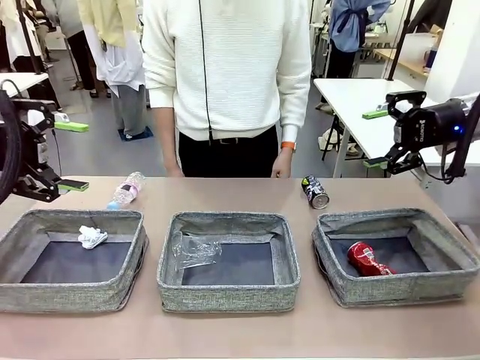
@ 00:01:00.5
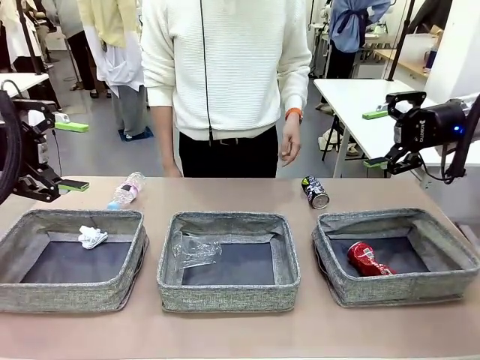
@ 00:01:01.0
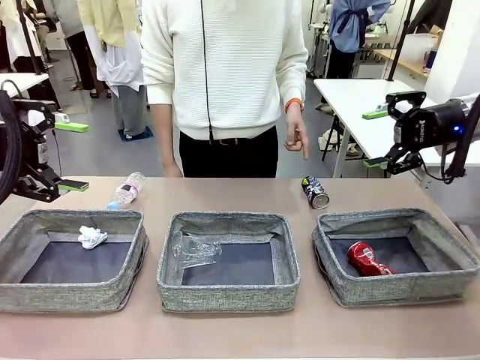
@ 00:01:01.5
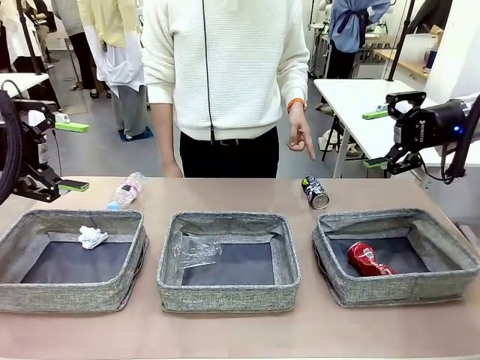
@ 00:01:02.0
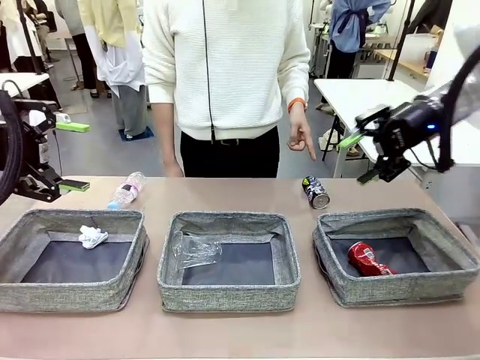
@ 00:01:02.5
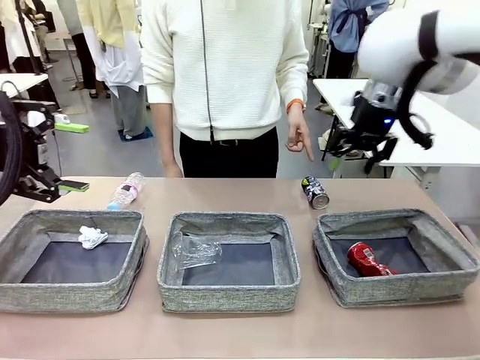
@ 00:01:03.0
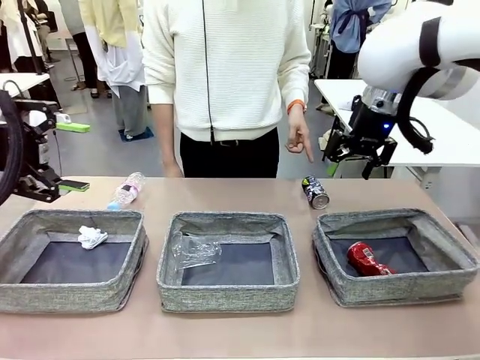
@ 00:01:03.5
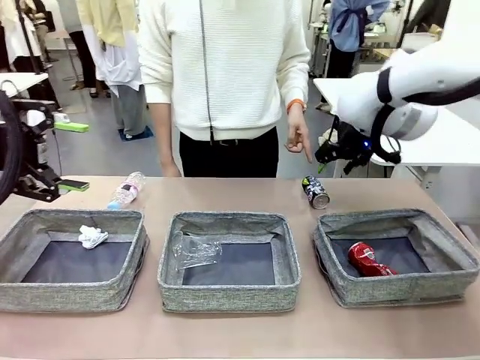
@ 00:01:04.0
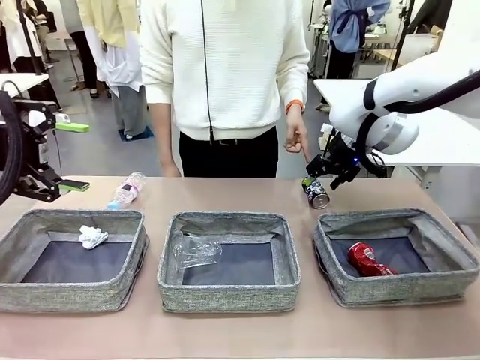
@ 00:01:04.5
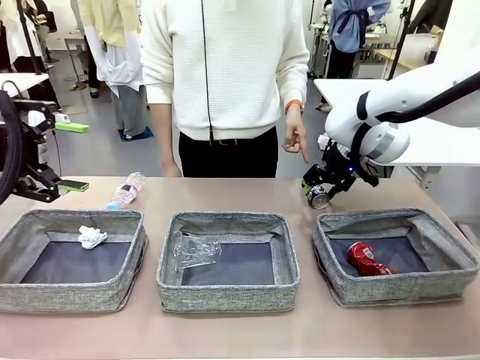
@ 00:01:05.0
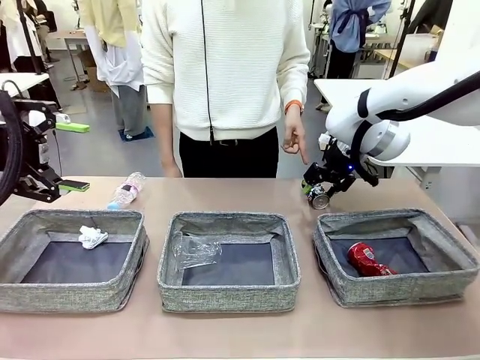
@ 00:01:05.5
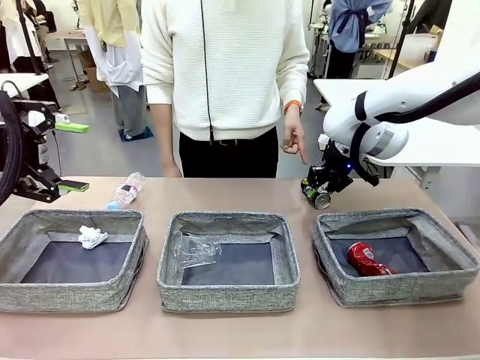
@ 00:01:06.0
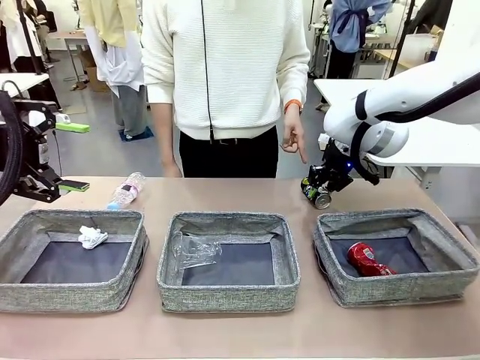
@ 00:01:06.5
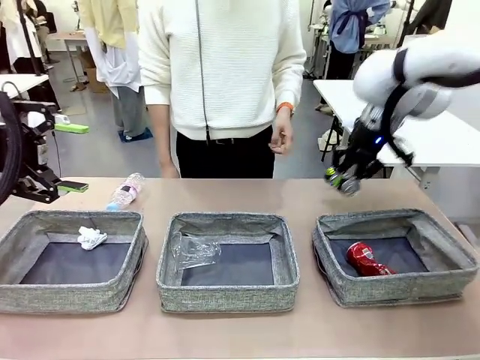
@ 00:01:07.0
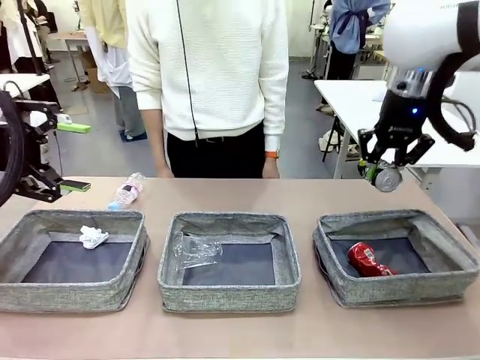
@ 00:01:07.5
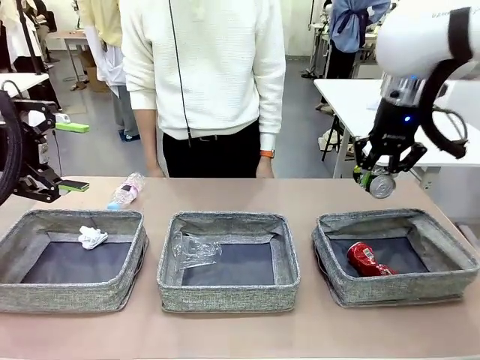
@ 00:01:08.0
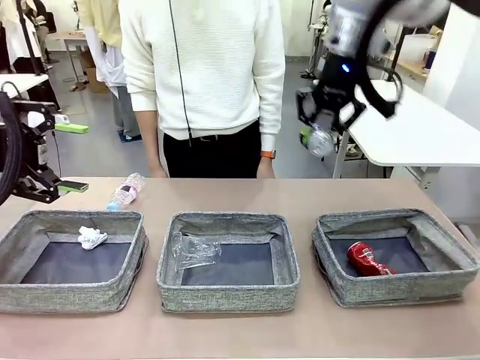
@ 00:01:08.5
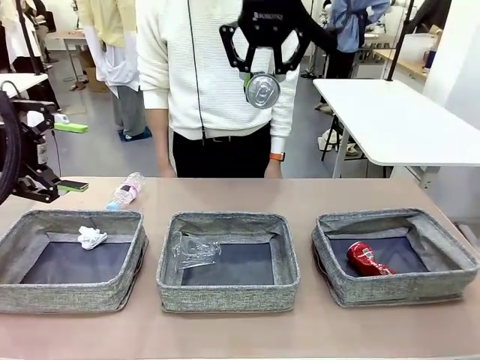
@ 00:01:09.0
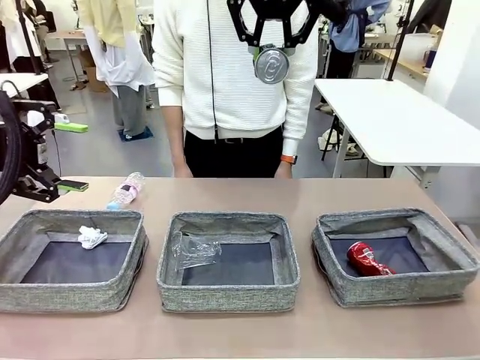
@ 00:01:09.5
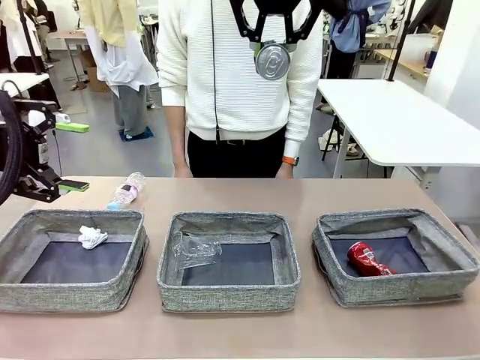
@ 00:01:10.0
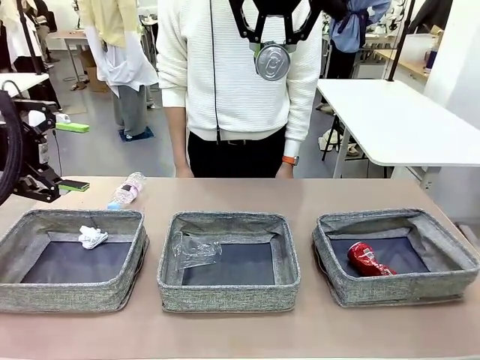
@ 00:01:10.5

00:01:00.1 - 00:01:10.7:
Task: Sort the waste into the appropriate baskets.
Robot: Pick up the waste item pointed out by the person.
Person: Points to one piece of trash on the table.

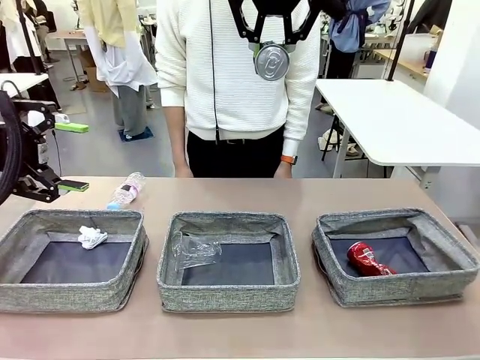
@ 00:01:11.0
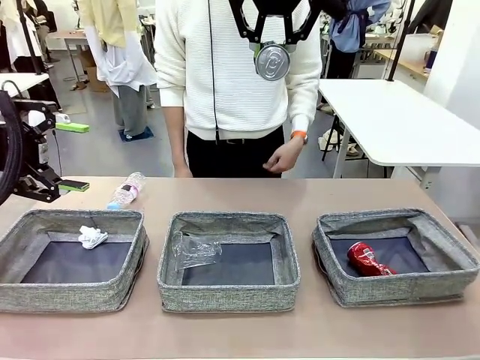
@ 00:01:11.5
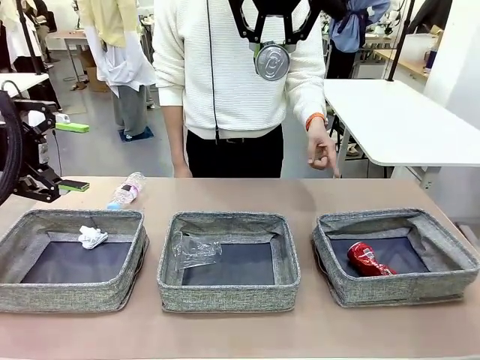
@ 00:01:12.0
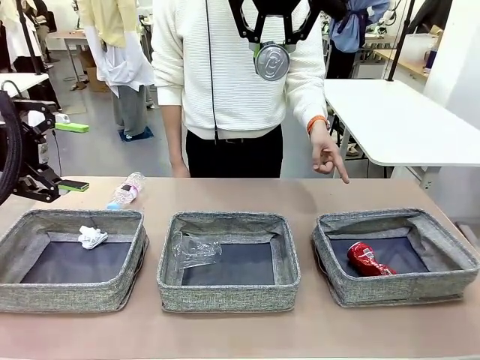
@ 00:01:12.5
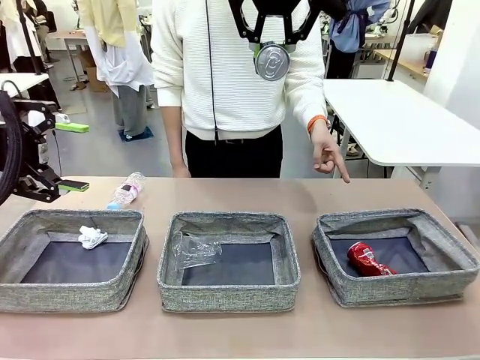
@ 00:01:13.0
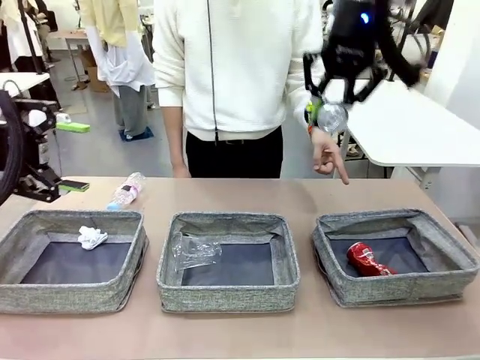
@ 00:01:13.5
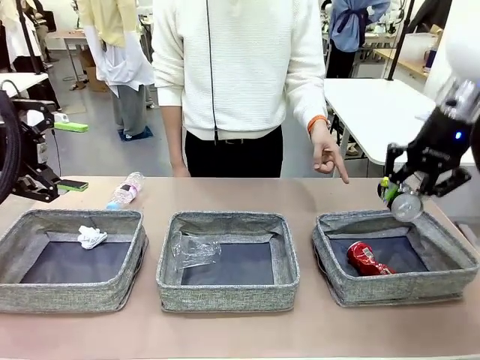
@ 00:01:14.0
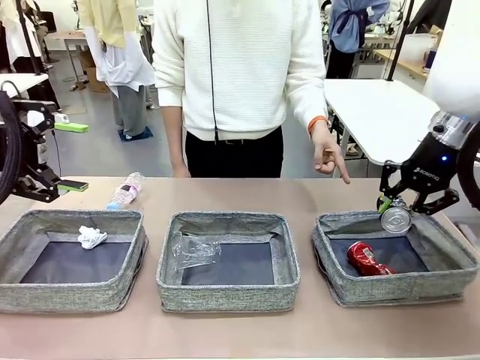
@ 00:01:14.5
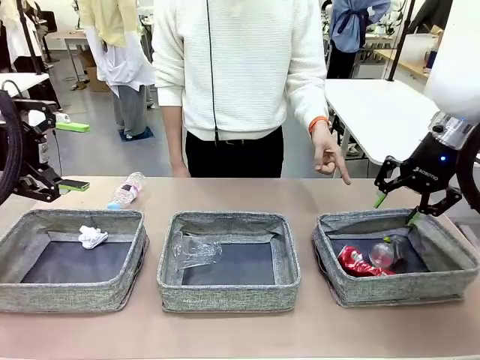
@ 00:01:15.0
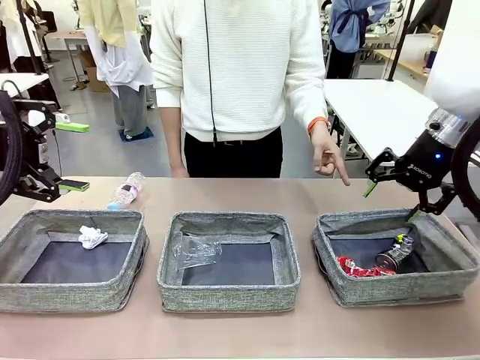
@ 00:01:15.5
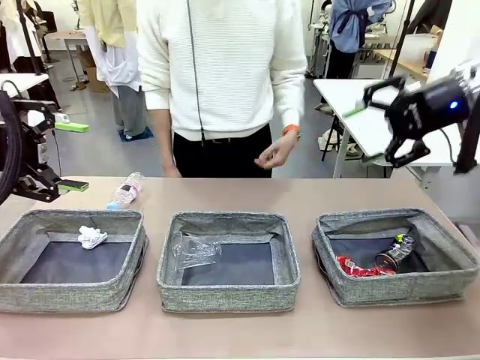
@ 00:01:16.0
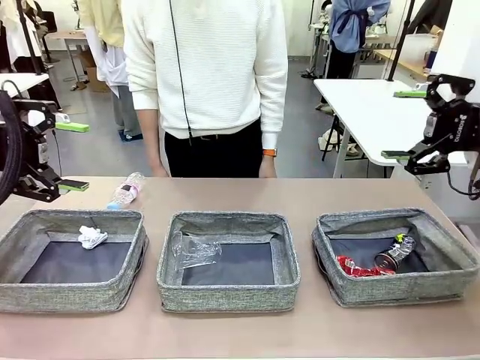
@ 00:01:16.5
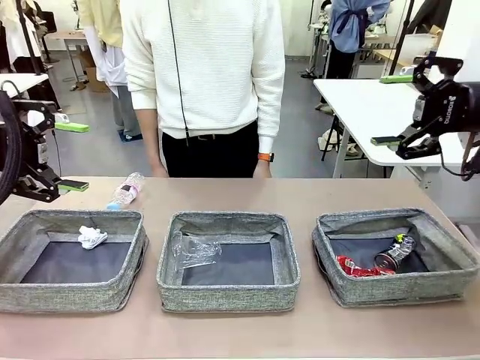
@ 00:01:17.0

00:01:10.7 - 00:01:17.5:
Robot: Place the picked waste into the Fabric basket indicated by the person.
Person: Instructs the robot to place the picked-up trash into the appropriate organizing basket.

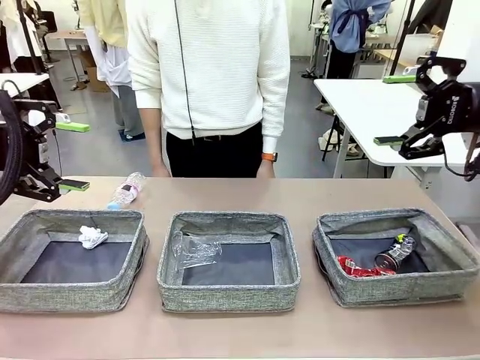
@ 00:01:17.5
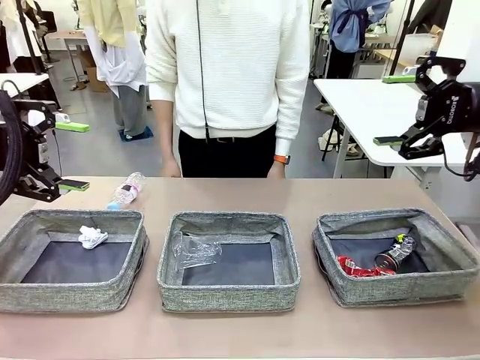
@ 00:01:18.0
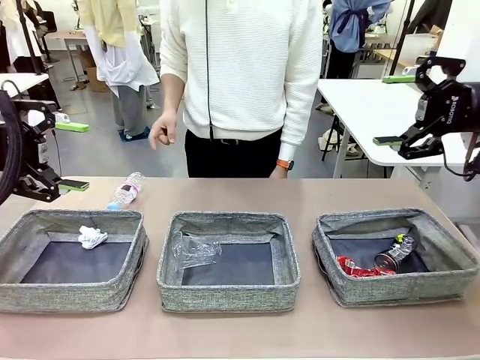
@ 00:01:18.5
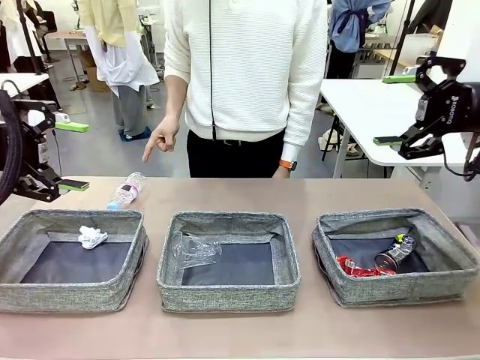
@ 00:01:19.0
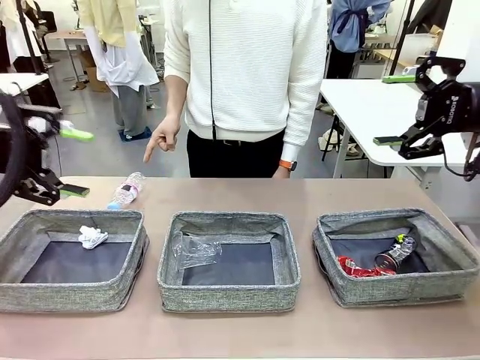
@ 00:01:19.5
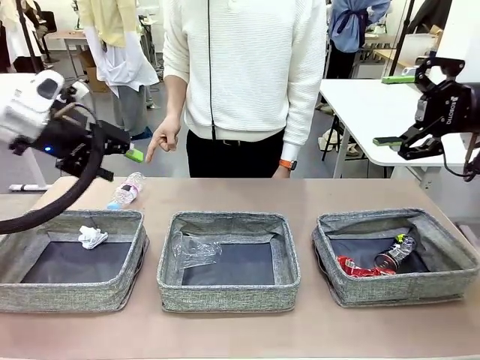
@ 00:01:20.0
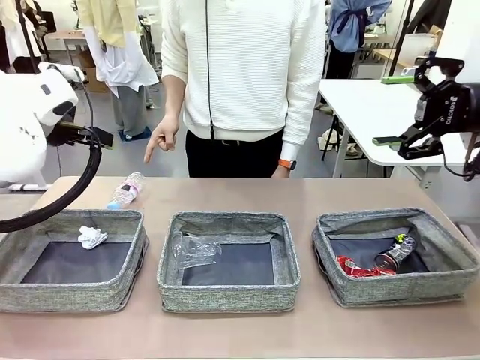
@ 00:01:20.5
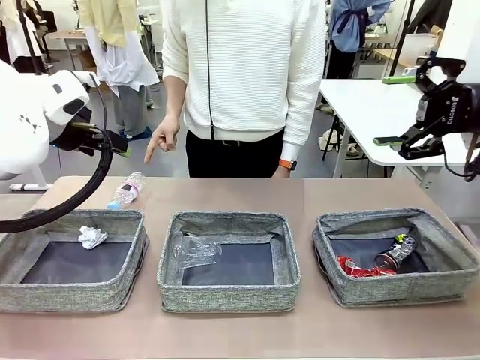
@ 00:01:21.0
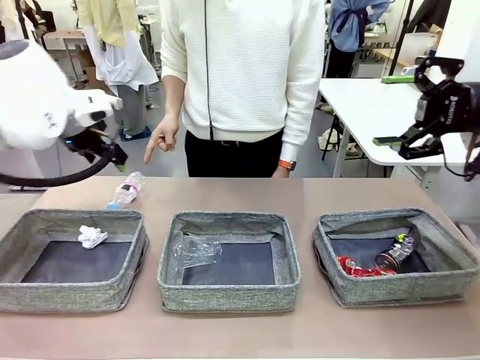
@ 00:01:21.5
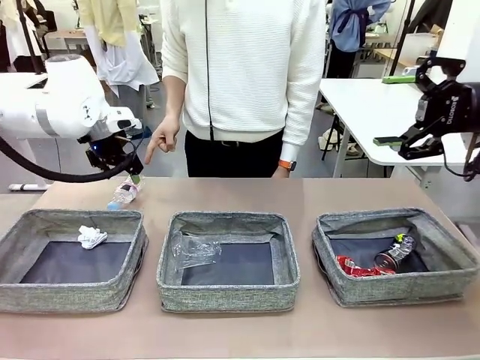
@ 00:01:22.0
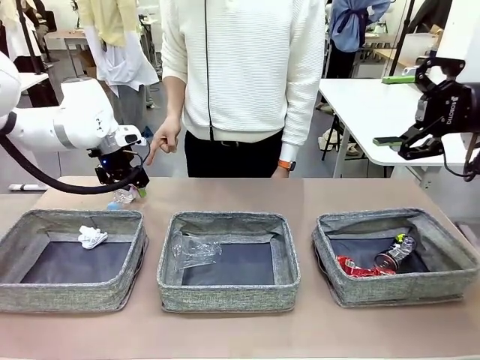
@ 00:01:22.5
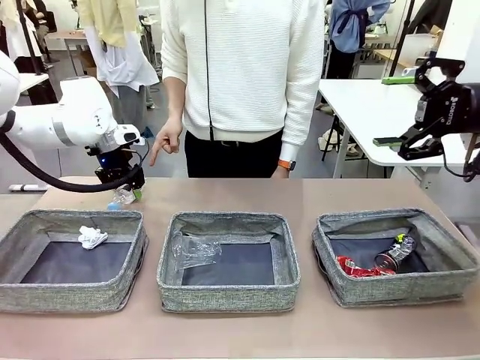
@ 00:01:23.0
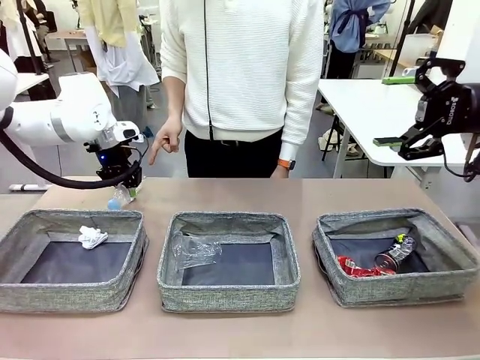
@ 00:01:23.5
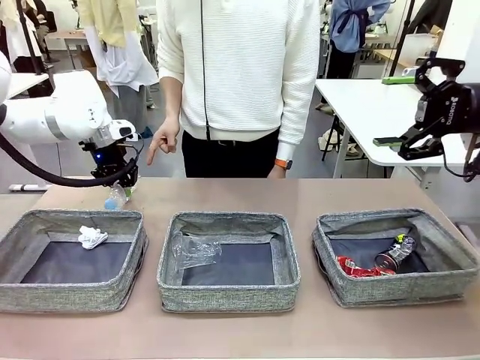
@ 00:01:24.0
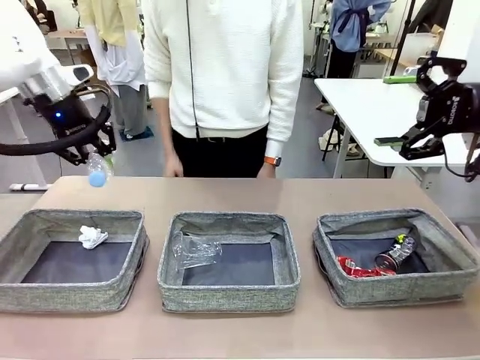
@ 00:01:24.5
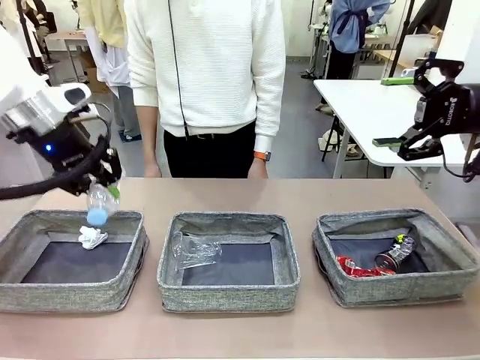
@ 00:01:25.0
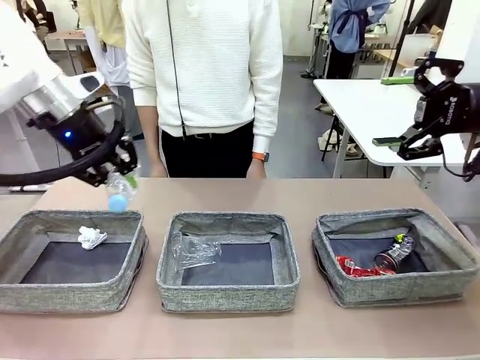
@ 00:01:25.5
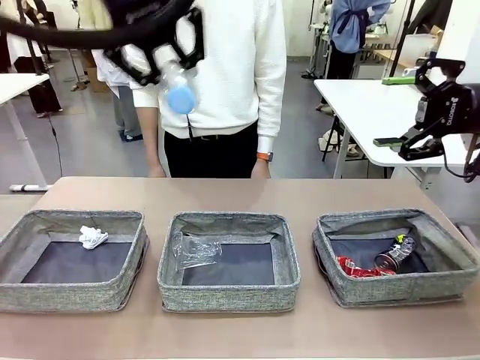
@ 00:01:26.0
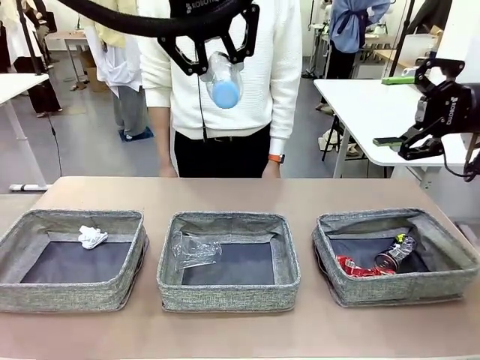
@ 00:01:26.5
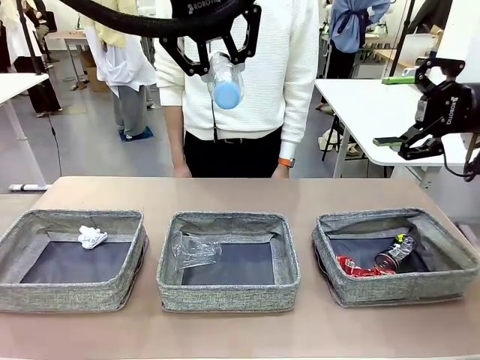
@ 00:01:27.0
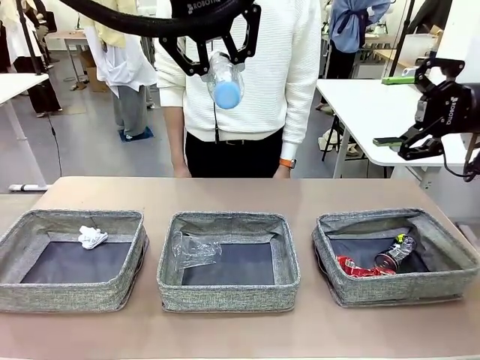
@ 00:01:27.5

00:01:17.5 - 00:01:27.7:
Robot: Pick up the waste item pointed out by the person.
Person: Points to one piece of trash on the table.
